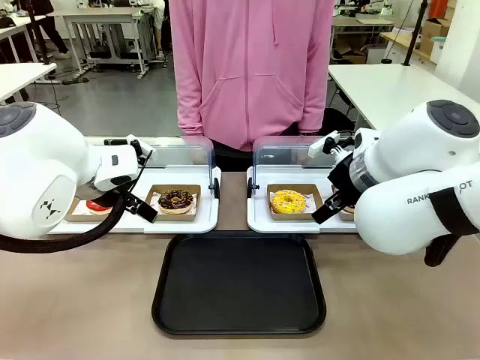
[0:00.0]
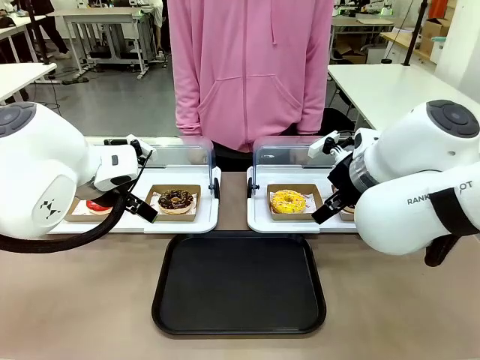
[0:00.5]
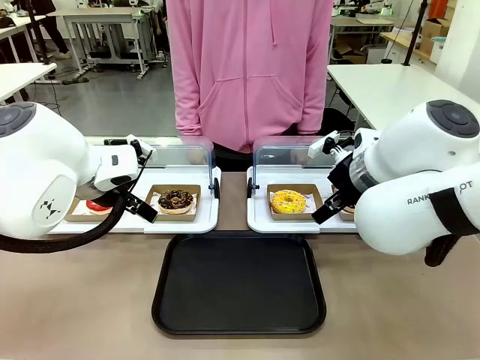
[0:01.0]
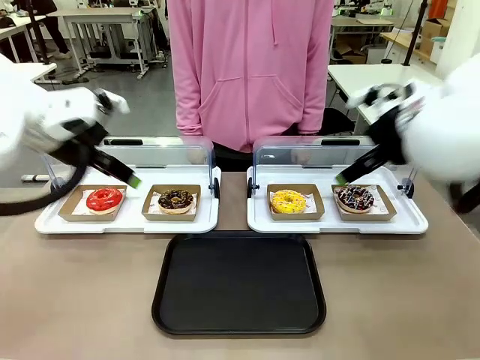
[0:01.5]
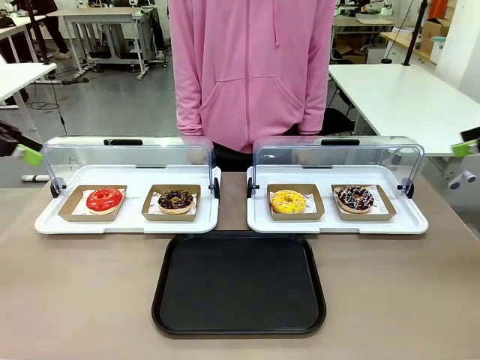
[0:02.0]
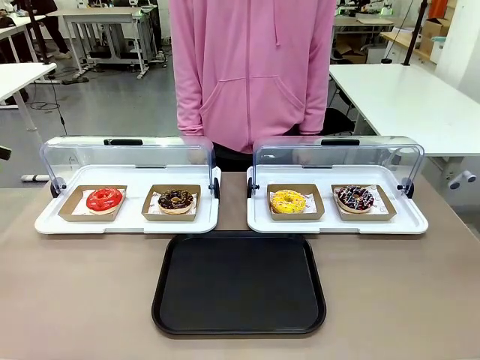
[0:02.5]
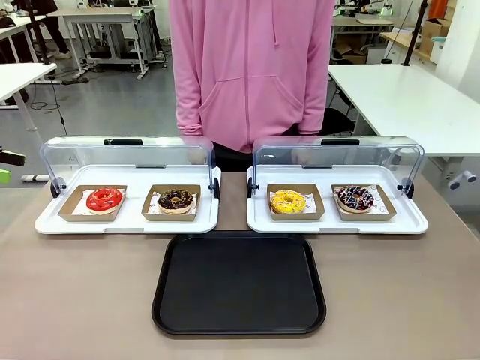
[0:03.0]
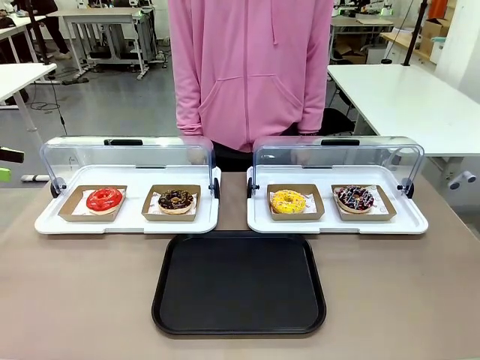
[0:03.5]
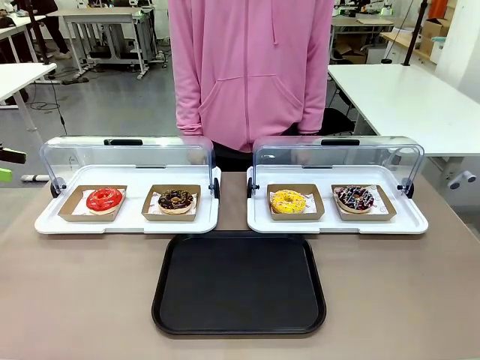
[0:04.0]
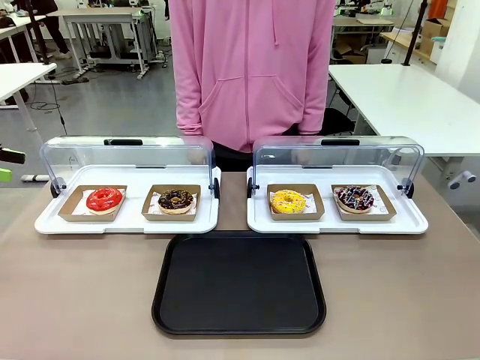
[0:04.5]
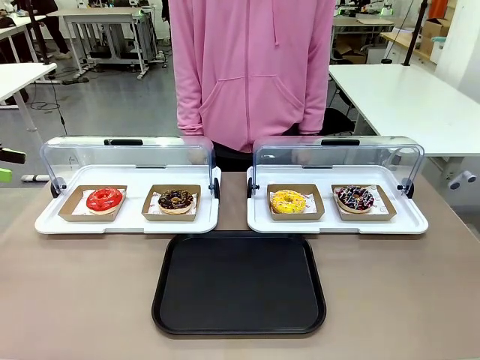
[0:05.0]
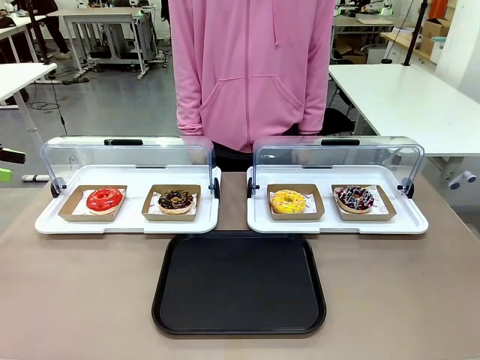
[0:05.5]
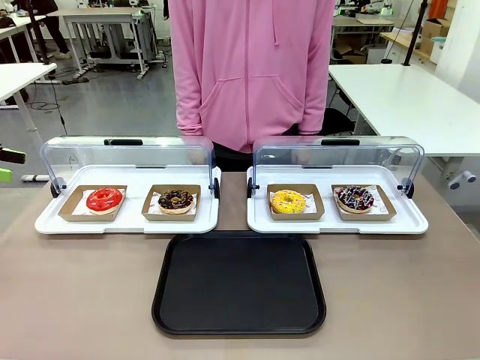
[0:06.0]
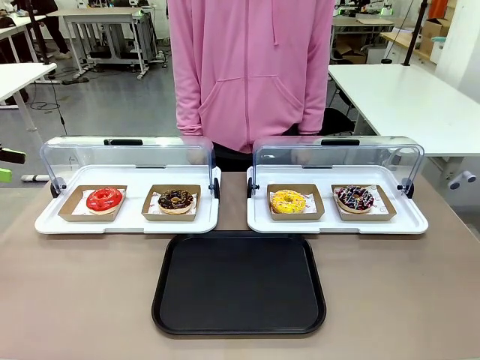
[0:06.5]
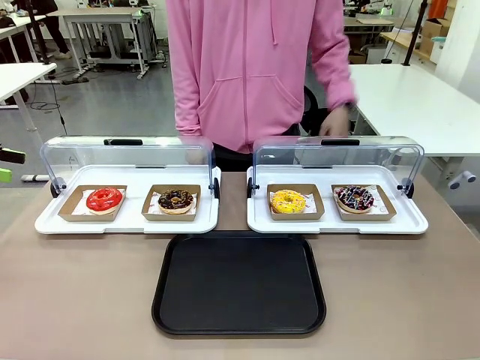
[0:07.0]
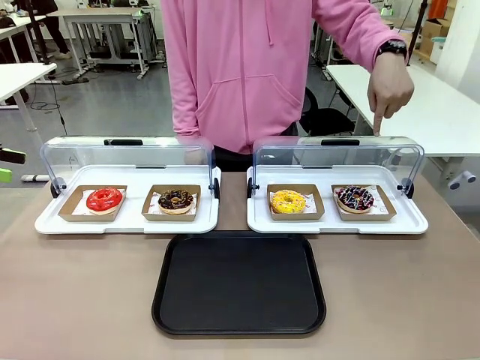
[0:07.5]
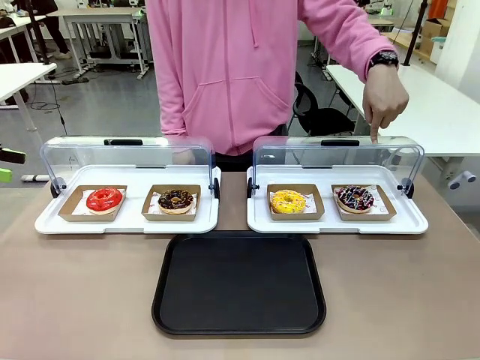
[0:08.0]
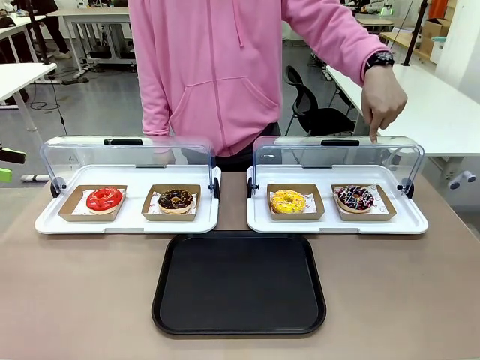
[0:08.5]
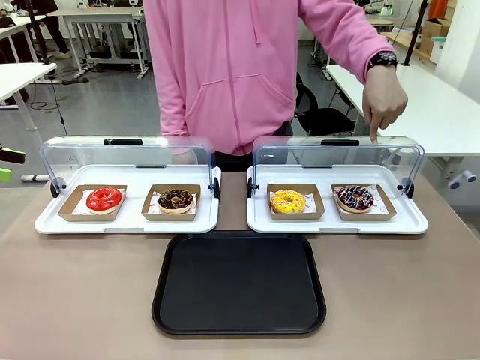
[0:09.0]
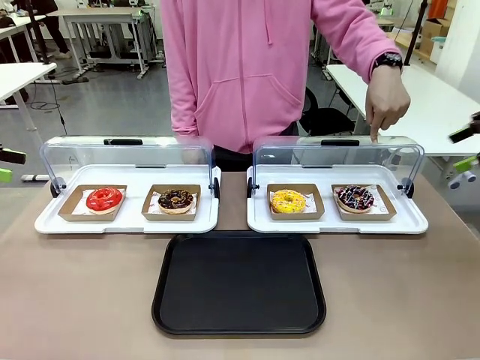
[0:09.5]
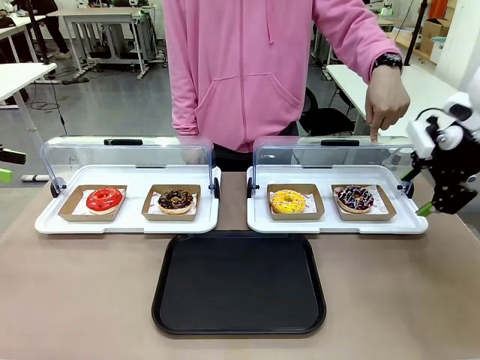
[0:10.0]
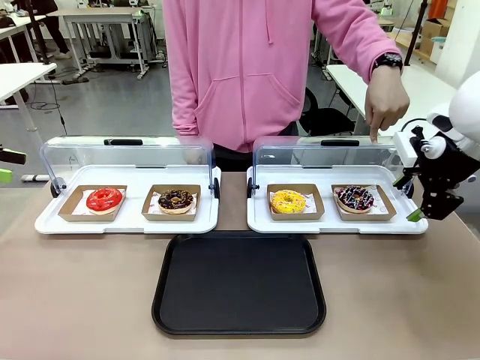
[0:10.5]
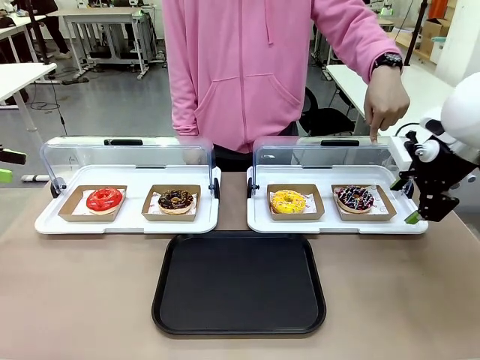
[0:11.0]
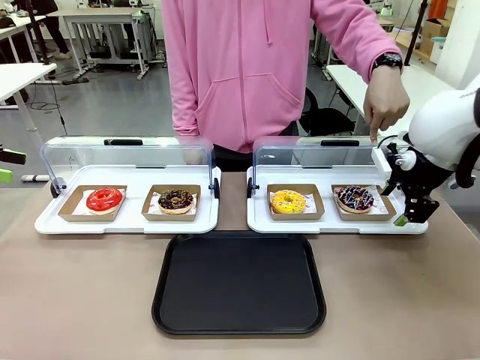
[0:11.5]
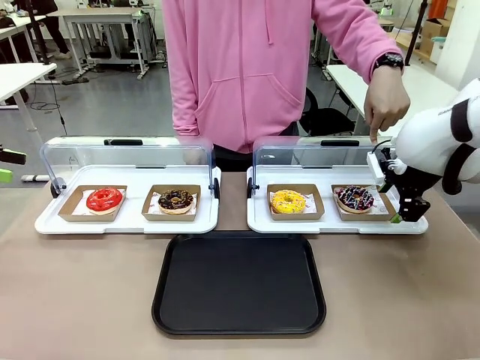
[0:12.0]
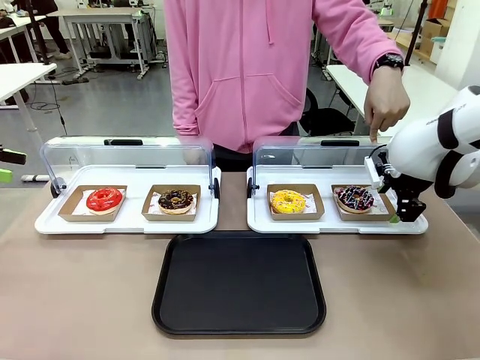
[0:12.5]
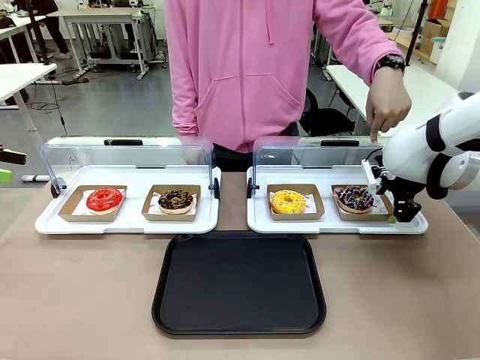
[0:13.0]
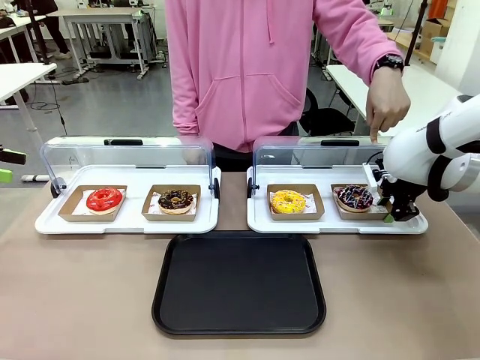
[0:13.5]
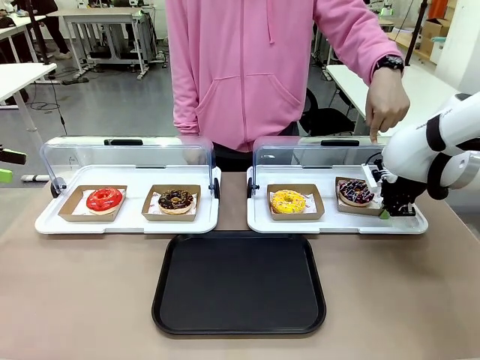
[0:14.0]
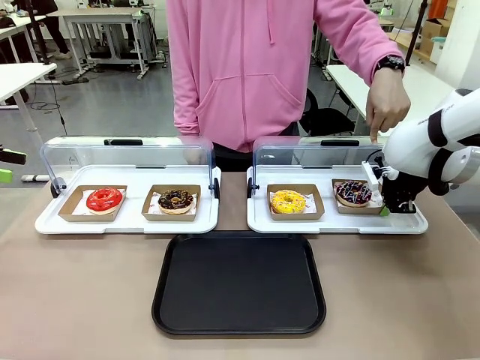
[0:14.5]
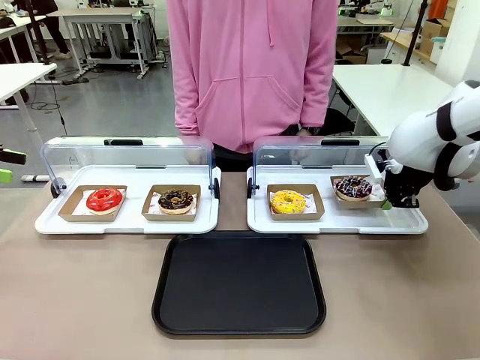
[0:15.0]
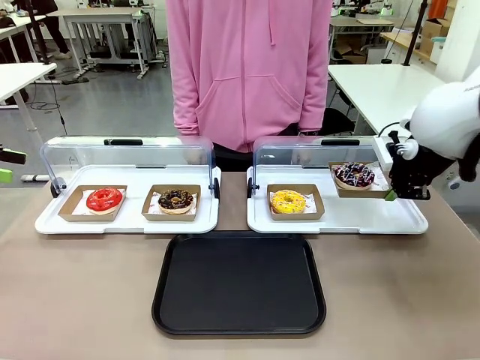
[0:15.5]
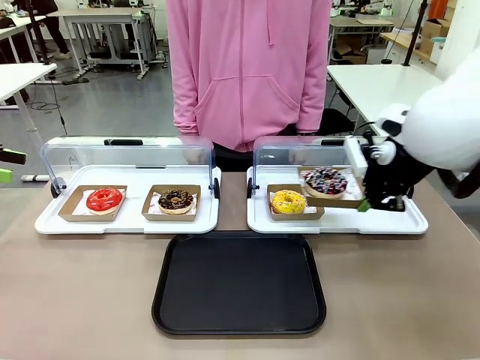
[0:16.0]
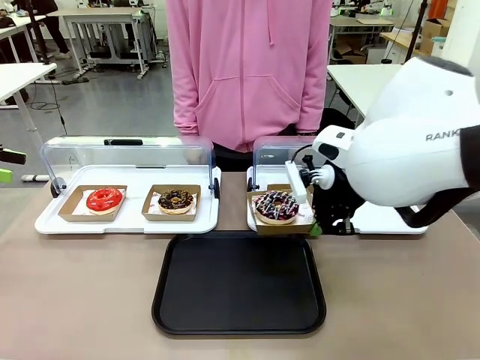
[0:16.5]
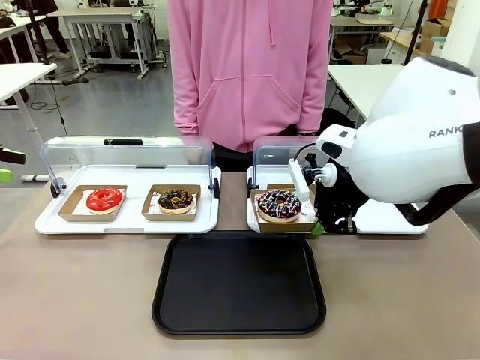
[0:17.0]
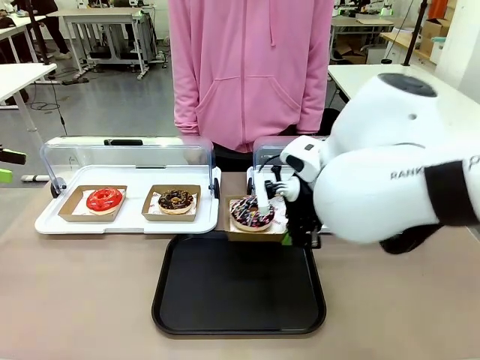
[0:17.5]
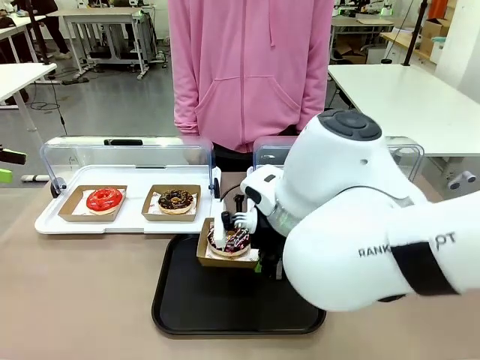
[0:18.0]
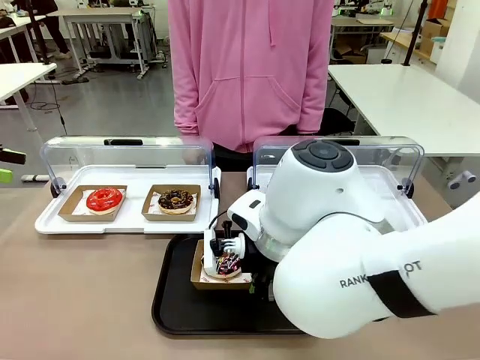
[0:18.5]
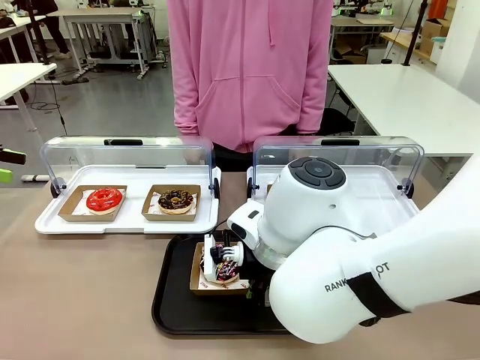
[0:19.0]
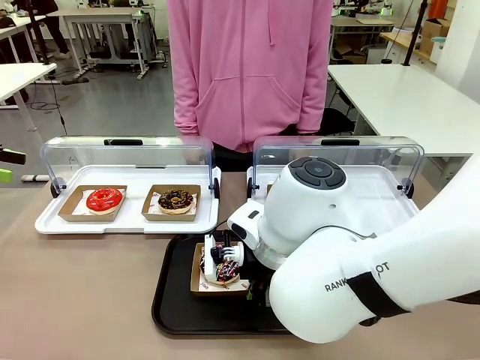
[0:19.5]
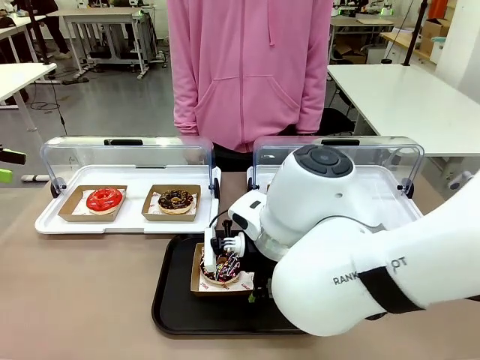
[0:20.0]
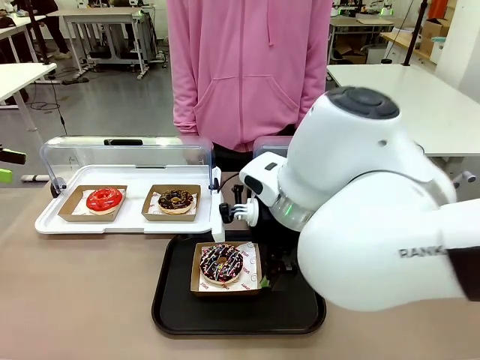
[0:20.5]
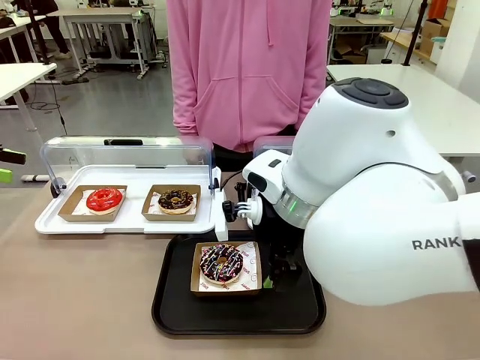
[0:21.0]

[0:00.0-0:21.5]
Task: Move the fourth donut from the left to the tray.
Robot: Pick up the Paper togo box containing the Donut indicated by the person and place it on the Handle tray.
Person: Points to the fourth donut from the left from the robot’s perspective.

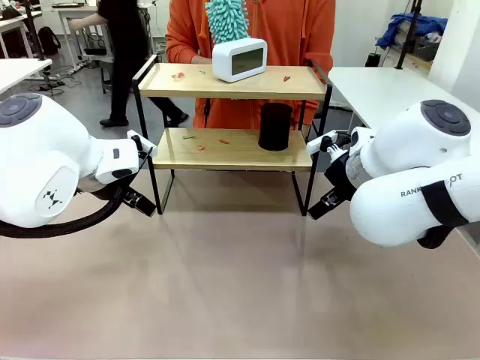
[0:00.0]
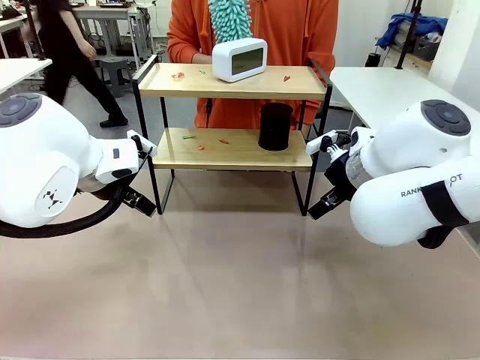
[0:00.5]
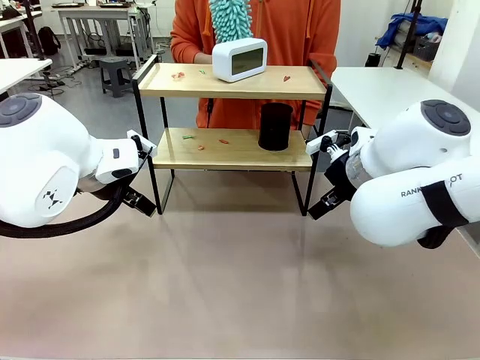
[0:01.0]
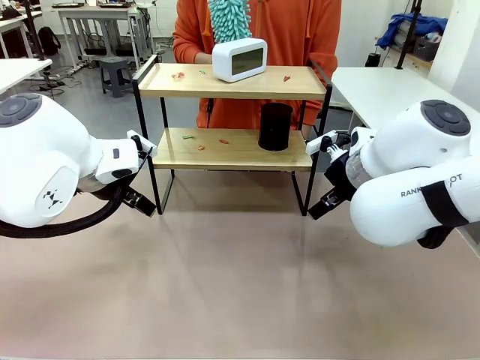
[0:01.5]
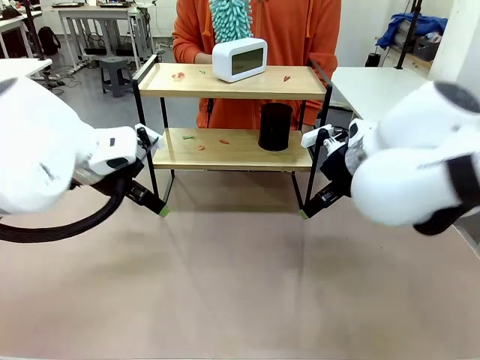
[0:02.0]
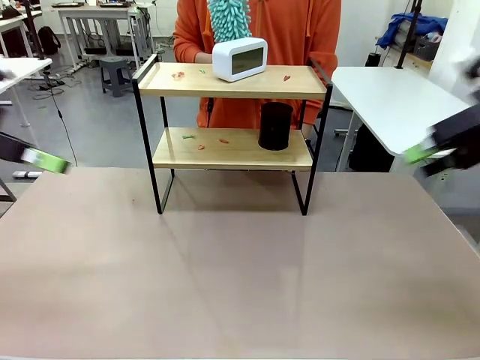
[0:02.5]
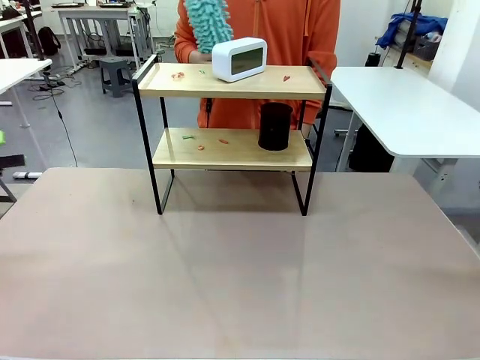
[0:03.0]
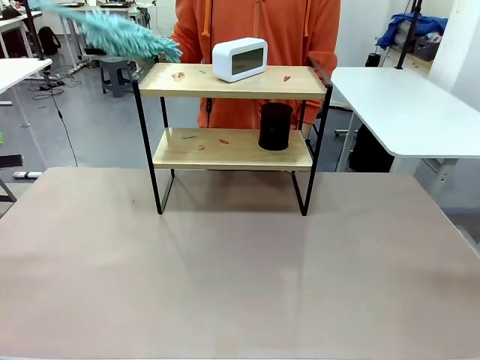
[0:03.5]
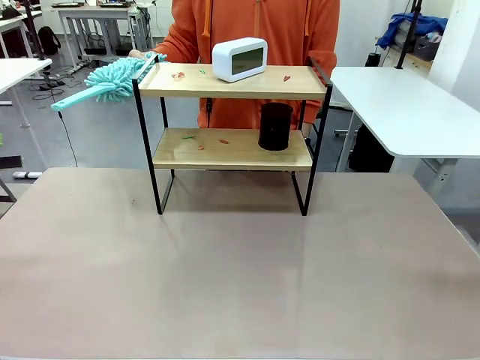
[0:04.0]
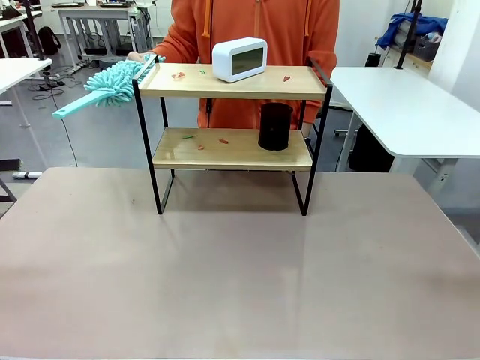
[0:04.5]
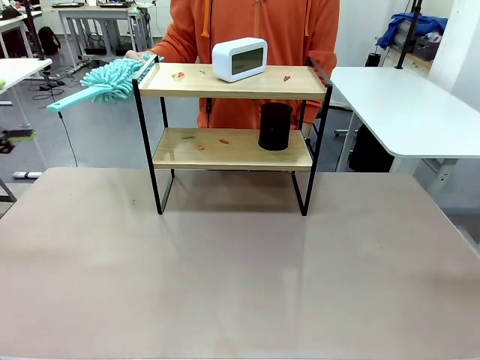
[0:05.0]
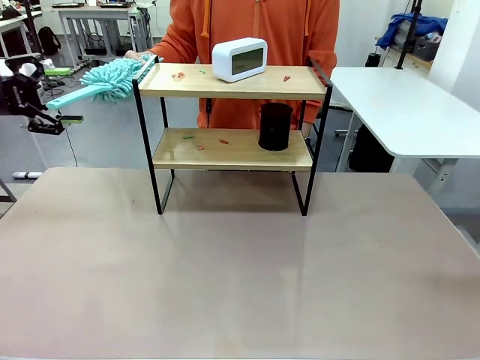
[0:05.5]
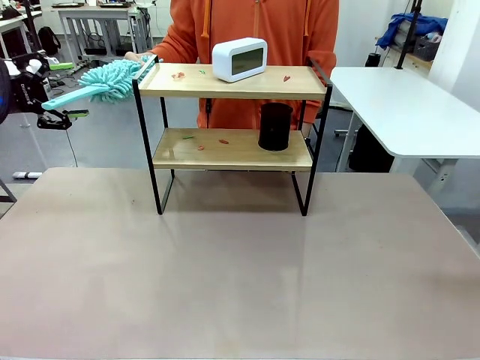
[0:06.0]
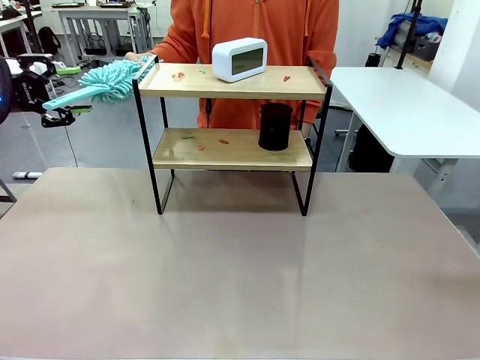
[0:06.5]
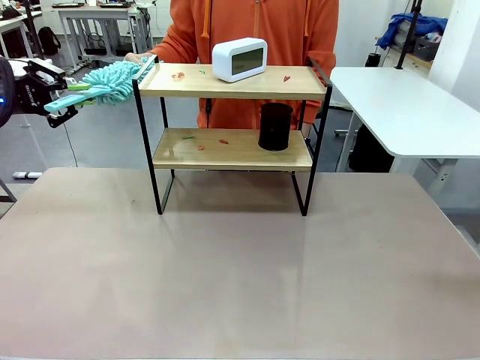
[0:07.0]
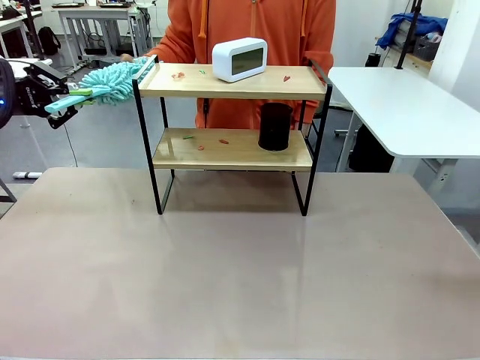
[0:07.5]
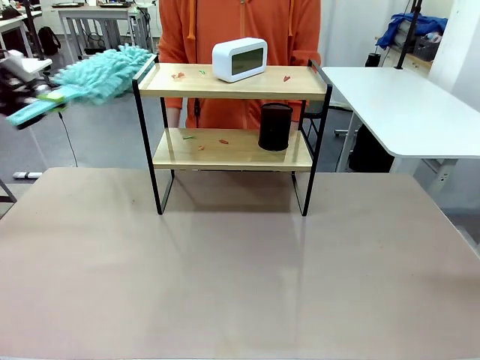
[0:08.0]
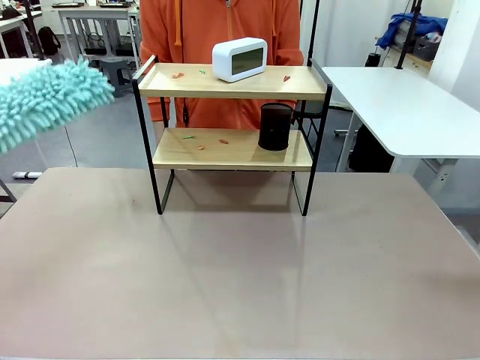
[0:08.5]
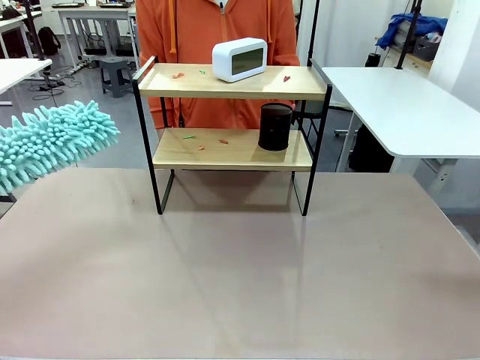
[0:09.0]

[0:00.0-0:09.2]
Task: Clean the shelf.
Robot: Pick up the Duster from the human.
Person: Hand the Duster to the robot.
